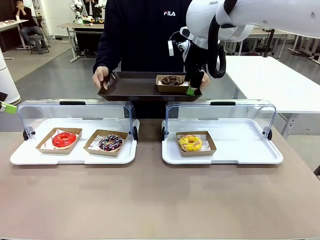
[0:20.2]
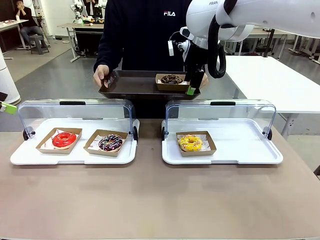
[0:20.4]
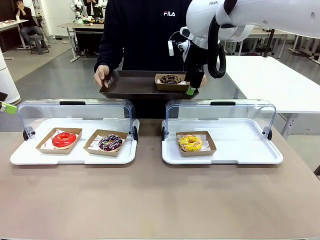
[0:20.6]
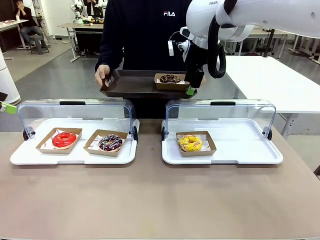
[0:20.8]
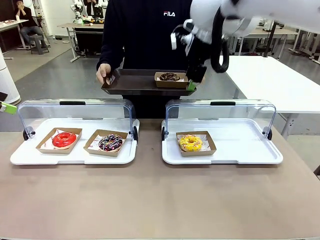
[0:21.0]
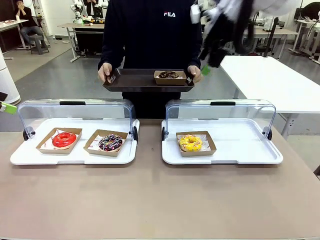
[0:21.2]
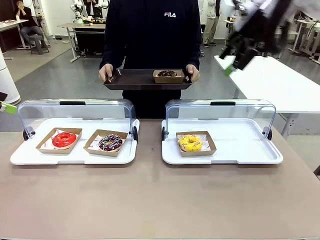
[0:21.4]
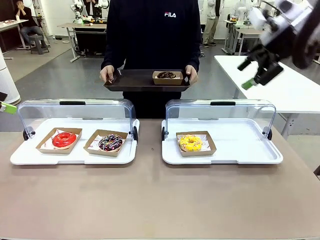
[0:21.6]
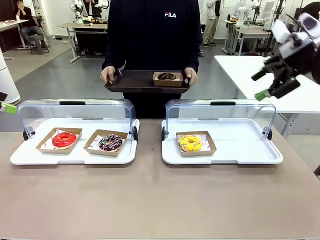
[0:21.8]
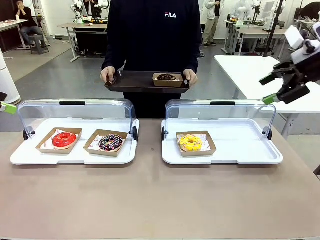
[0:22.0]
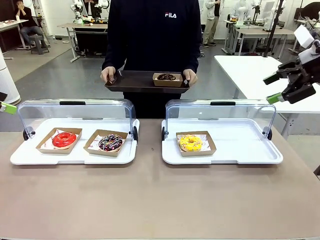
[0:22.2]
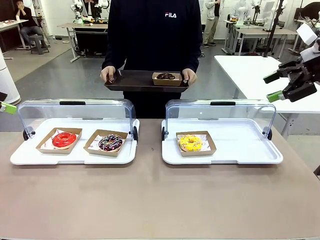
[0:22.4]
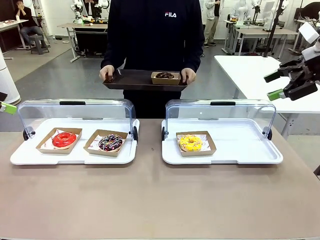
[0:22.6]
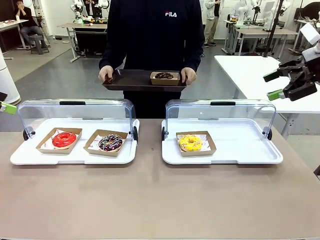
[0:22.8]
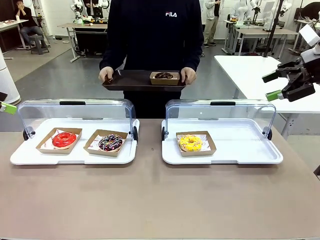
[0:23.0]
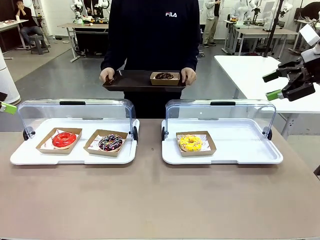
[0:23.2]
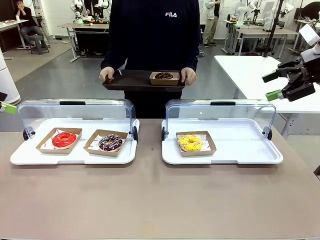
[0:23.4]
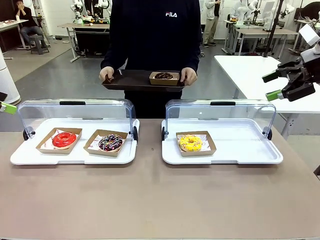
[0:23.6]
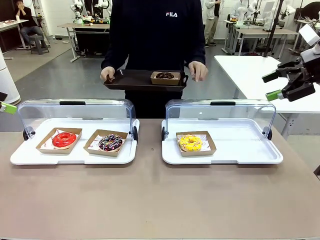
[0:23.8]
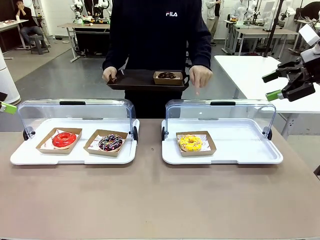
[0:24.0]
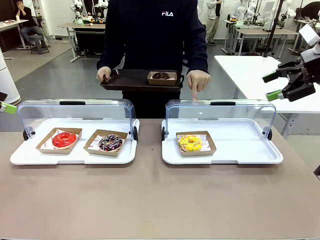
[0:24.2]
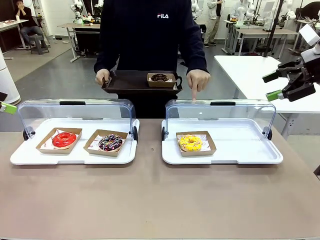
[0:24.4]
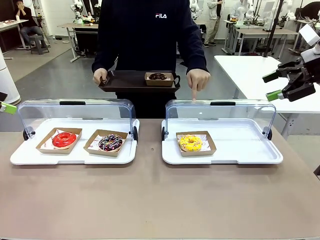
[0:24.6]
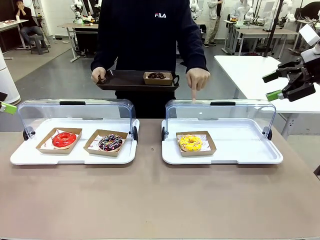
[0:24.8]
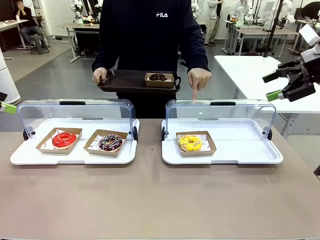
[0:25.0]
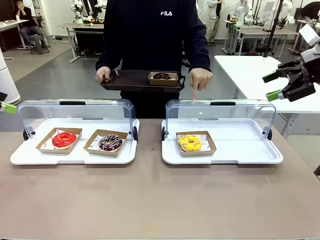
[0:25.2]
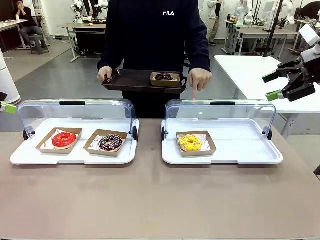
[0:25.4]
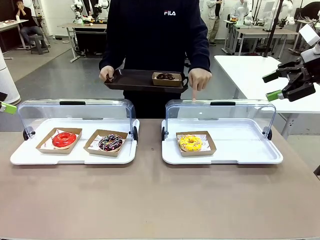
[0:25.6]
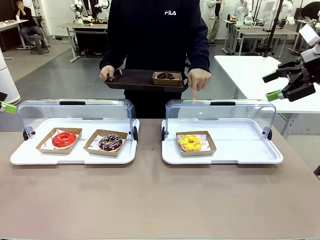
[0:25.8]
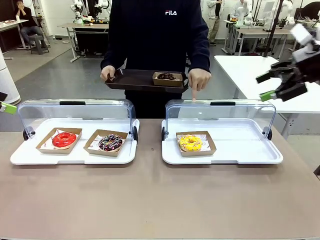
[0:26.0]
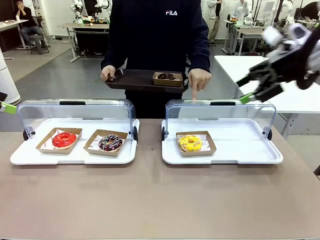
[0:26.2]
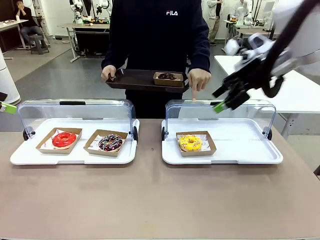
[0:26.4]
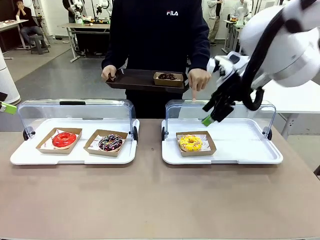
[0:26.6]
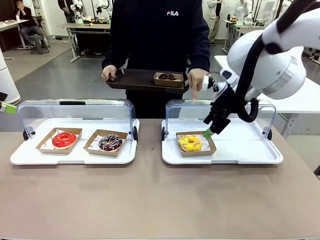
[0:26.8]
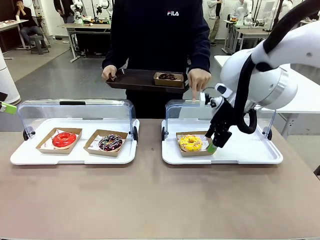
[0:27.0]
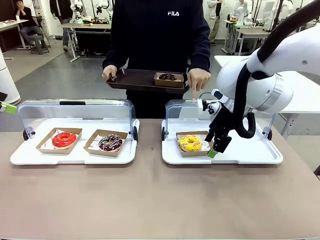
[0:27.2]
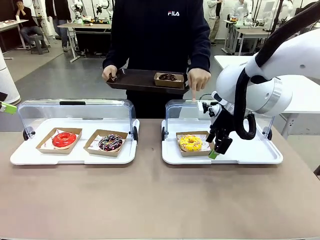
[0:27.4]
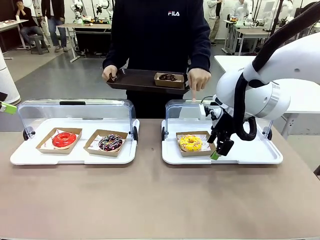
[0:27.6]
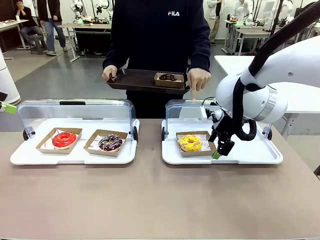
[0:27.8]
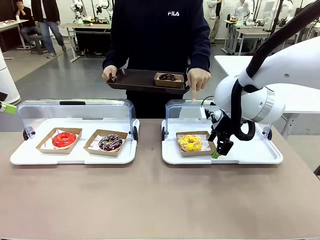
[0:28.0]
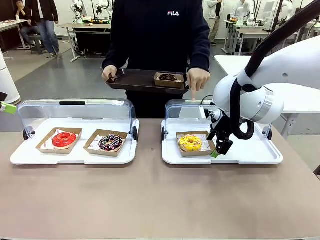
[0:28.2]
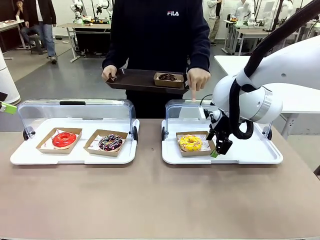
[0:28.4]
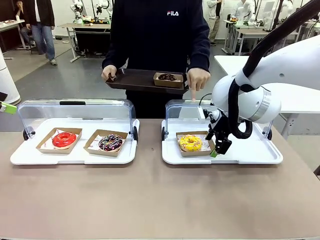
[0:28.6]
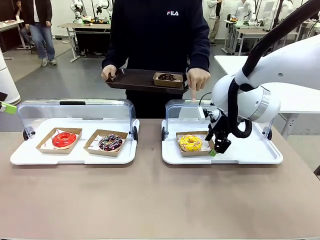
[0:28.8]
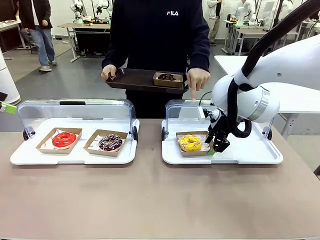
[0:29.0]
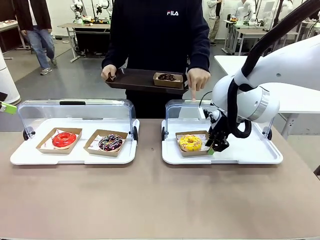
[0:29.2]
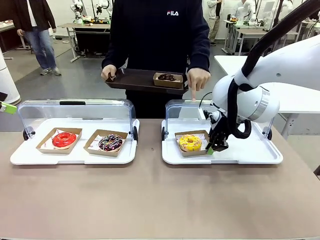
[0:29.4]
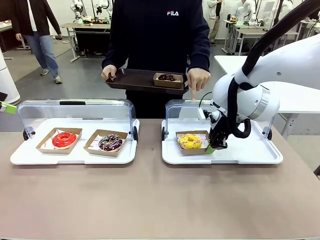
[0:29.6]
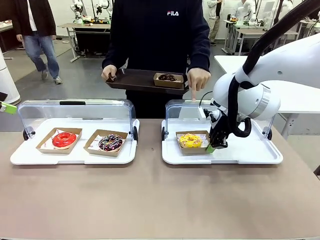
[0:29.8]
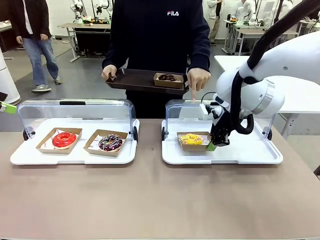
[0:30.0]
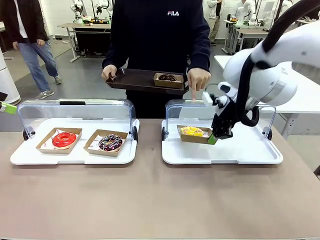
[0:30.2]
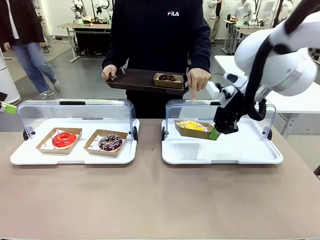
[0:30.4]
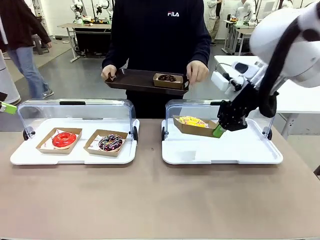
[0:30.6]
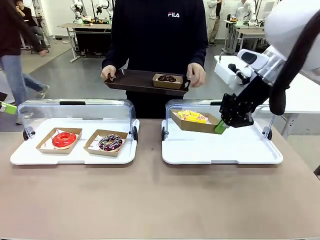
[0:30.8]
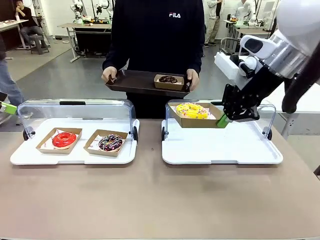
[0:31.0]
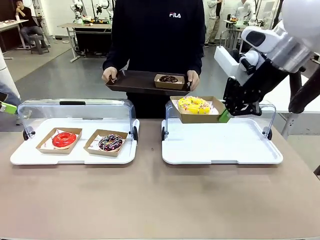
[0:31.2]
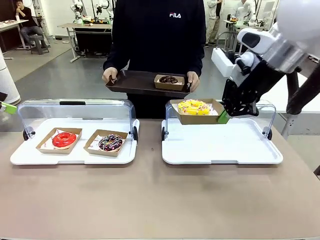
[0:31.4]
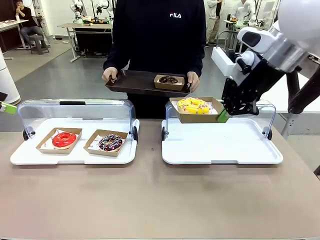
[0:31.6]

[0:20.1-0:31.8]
Task: Provide the desired donut to the person.
Robot: Pick up and lift the Paper togo box containing the Donut pointed at by the person.
Person: Lift the tray onto the Roll-Top Bakery Case.

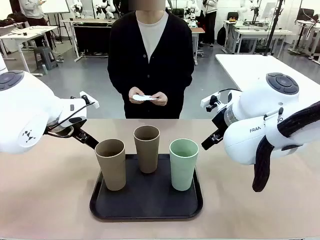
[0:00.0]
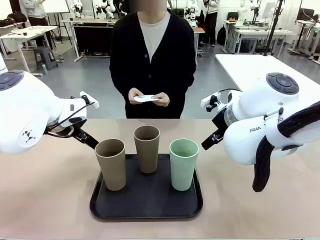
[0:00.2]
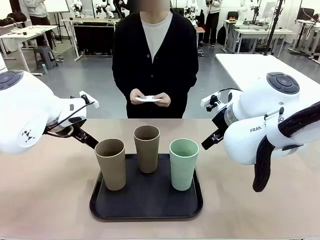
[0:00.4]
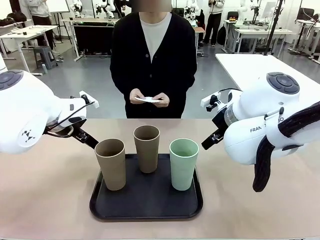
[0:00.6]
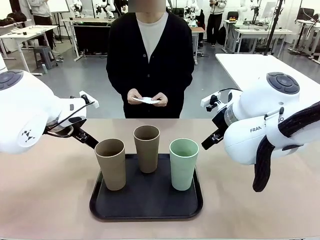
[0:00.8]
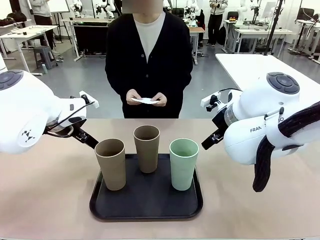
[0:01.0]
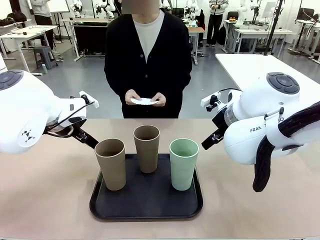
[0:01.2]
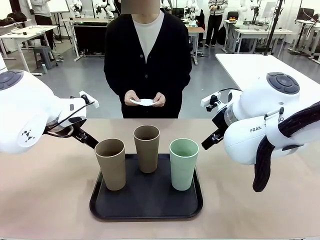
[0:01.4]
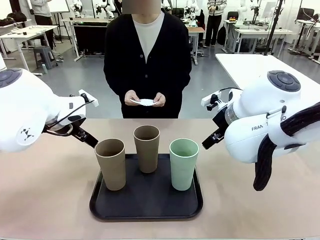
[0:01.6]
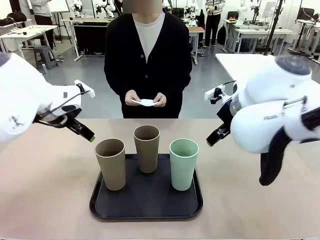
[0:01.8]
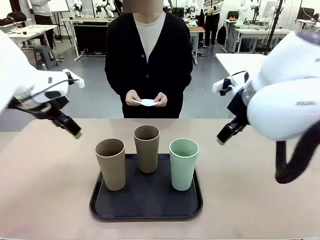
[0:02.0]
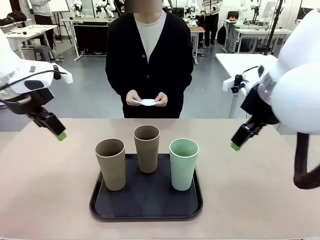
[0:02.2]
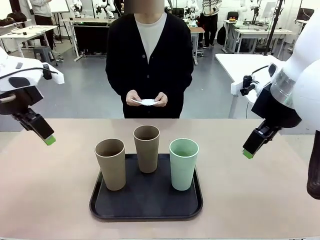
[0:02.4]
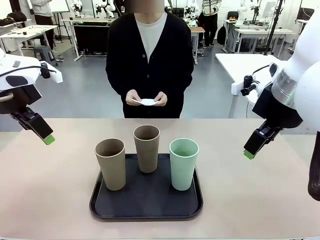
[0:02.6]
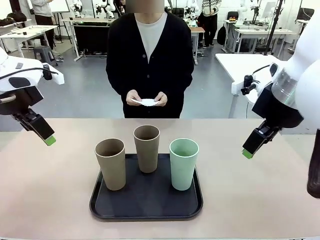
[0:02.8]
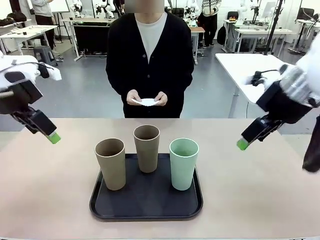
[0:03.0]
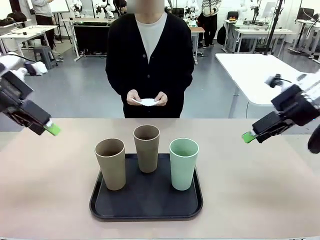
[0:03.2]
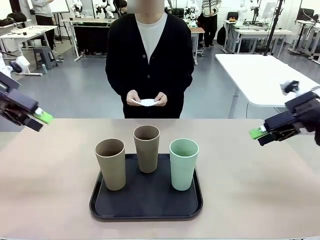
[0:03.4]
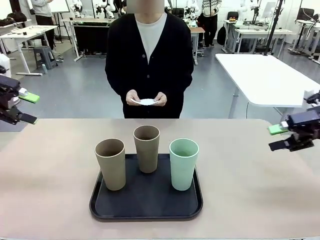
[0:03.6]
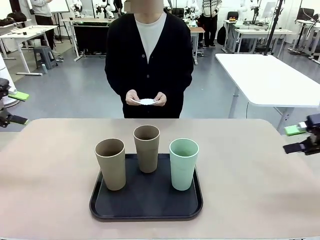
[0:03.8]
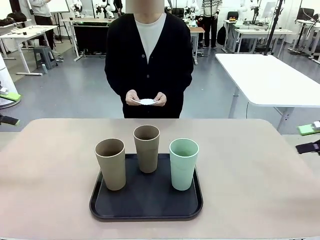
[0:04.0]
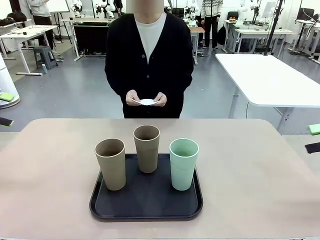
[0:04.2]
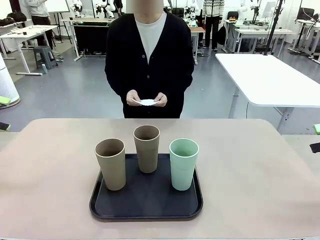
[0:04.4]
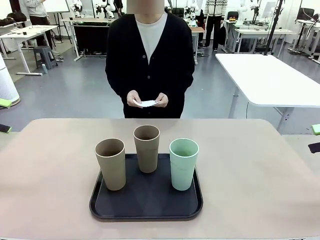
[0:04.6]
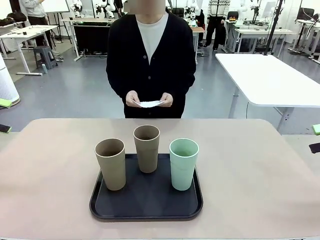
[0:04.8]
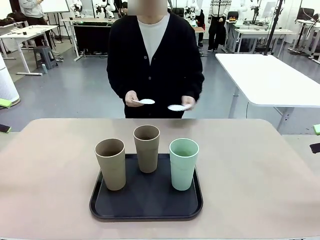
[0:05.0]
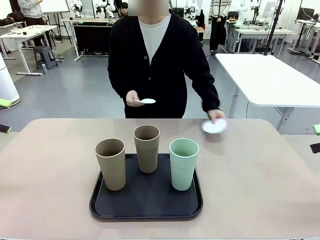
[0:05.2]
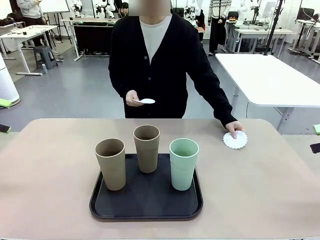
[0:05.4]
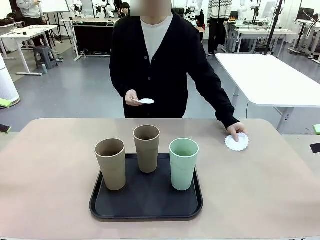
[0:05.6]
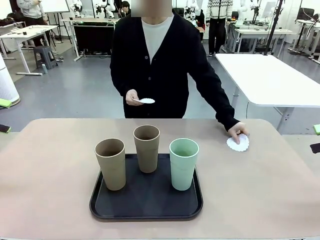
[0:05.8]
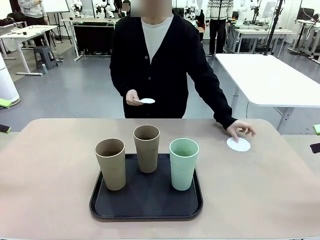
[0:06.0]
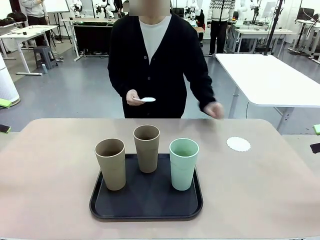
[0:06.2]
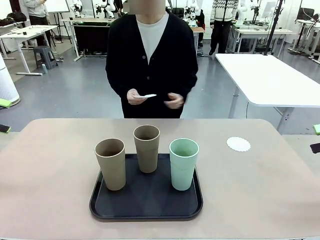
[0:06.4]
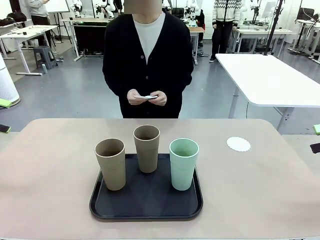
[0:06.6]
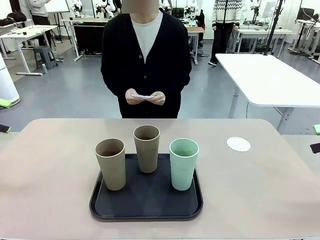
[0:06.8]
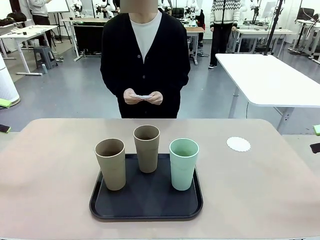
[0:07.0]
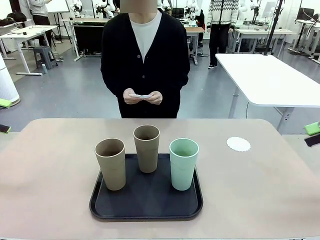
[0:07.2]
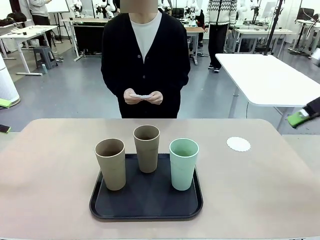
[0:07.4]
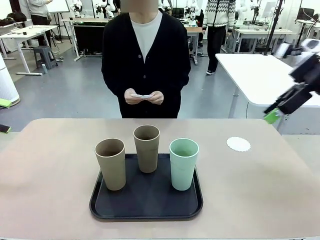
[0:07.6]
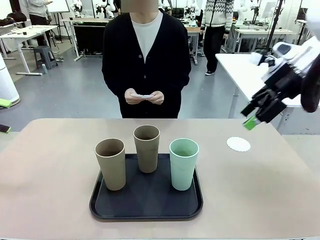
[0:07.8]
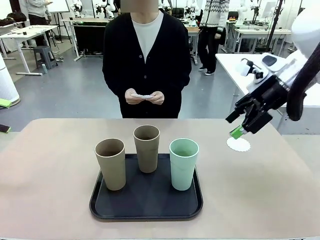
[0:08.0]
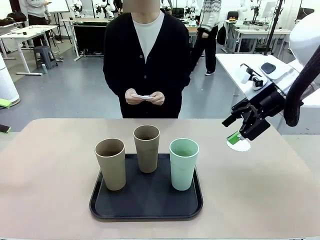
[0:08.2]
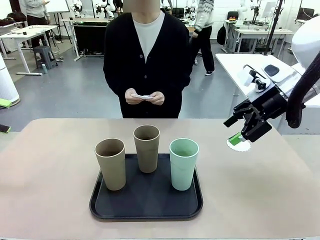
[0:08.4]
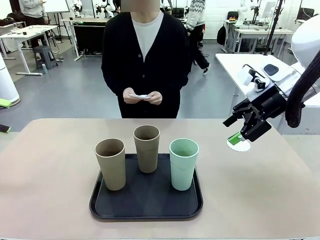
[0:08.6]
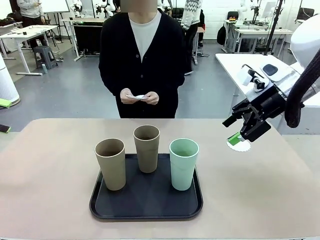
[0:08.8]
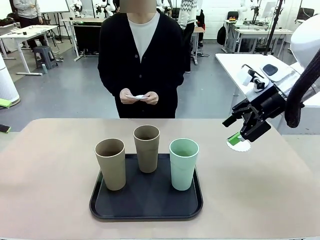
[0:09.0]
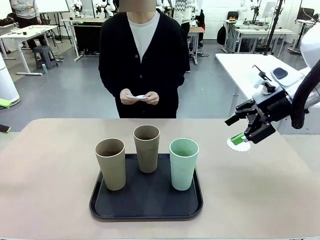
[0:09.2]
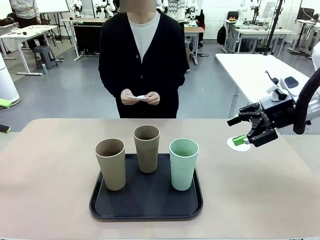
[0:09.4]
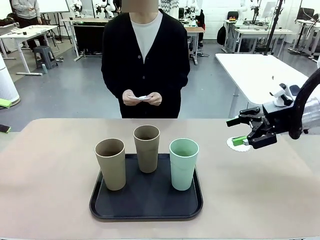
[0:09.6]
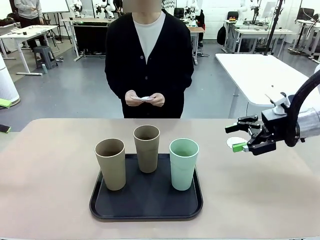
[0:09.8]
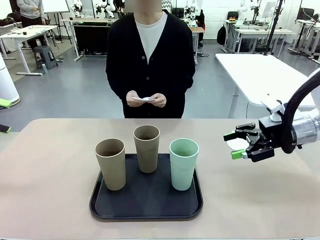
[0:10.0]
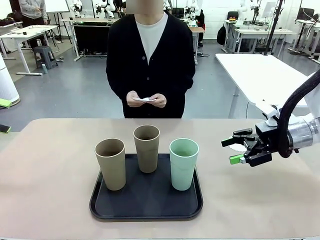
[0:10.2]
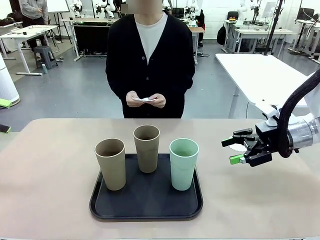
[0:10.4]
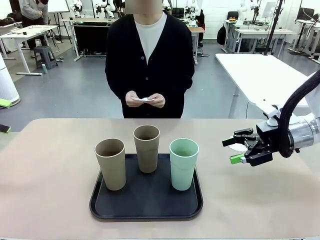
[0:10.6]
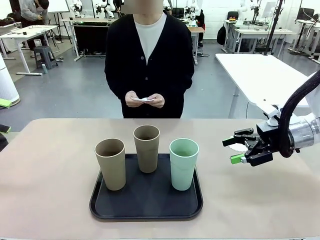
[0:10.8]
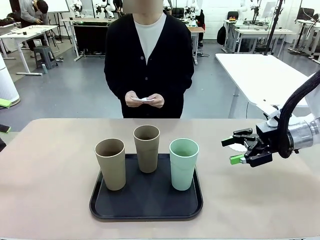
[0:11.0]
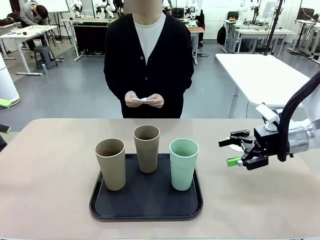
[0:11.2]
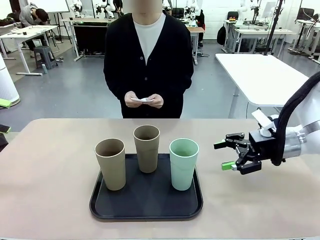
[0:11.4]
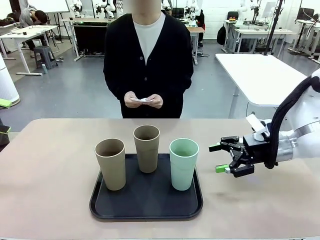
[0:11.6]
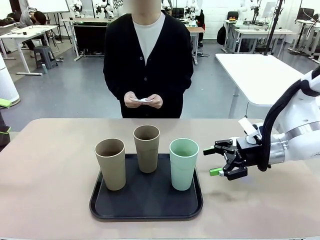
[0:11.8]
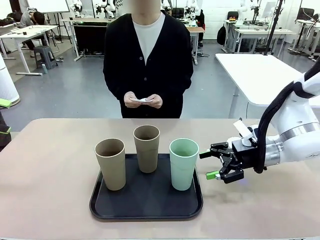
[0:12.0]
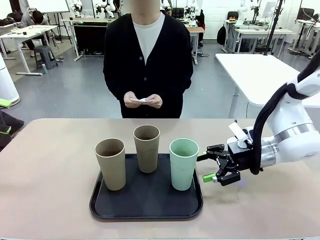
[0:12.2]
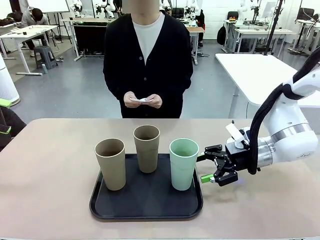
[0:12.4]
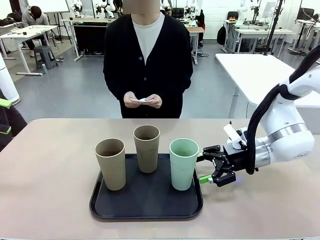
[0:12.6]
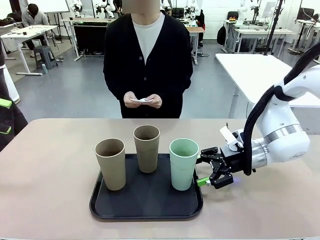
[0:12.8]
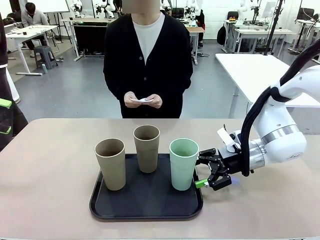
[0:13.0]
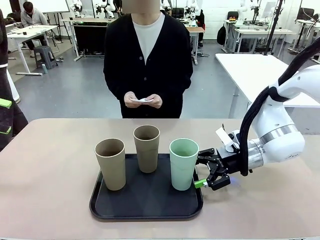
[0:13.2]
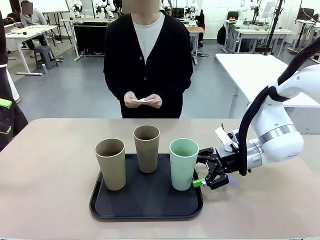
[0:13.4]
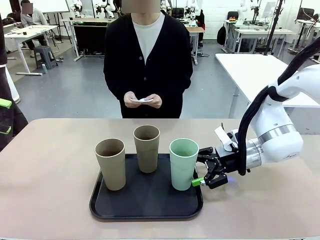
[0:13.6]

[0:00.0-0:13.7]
Task: Place coasters on the table and set cups on them.
Robot: Pick up one Reusable plastic cup and place it on a coaster set by the human.
Person: Place one coaster in any one of the three lower areas of the robot table (left, center, or right).
